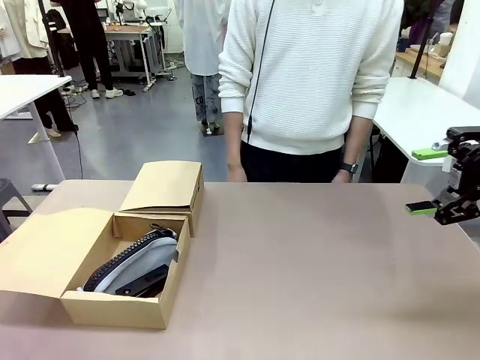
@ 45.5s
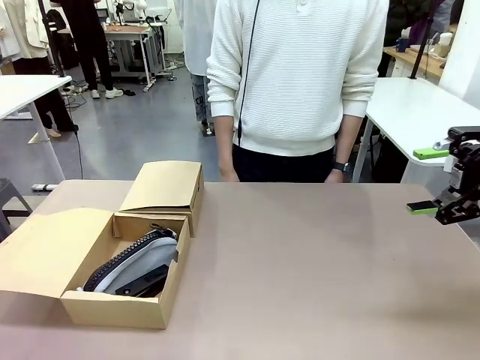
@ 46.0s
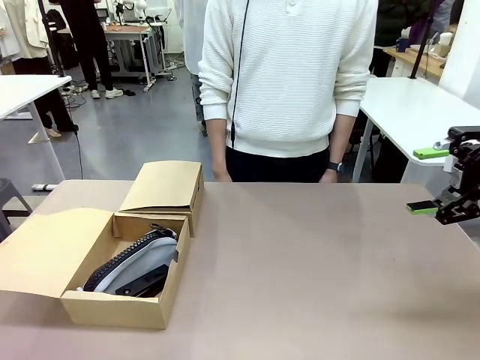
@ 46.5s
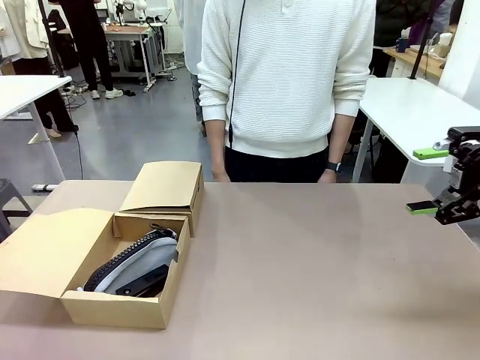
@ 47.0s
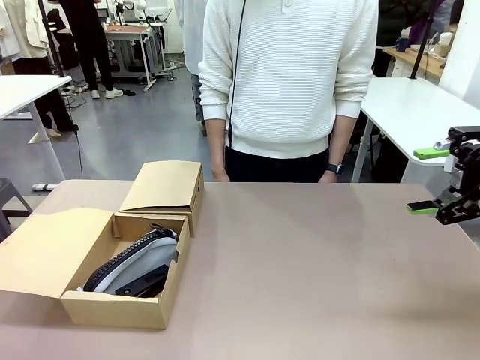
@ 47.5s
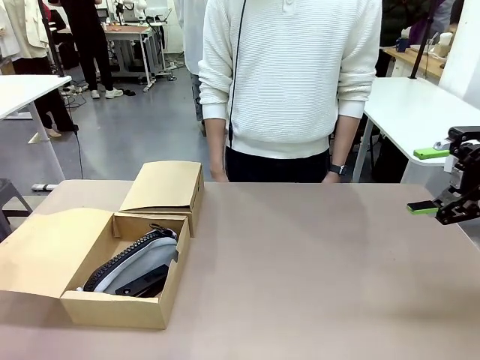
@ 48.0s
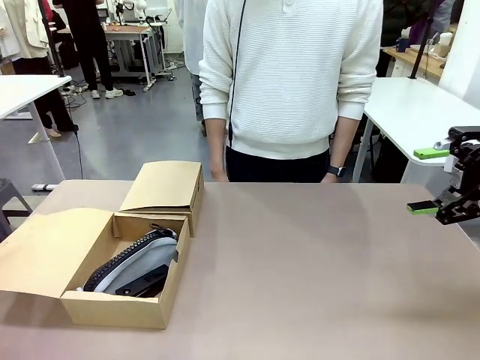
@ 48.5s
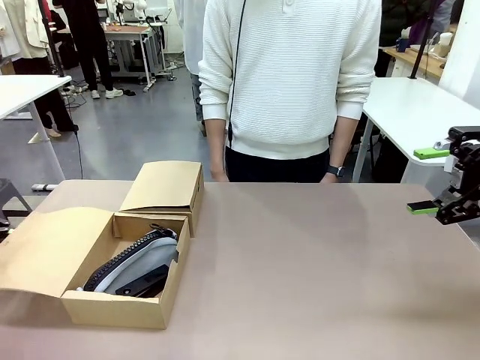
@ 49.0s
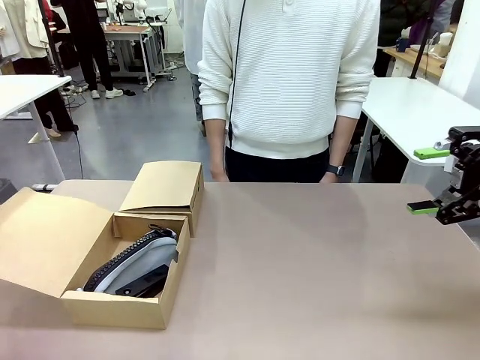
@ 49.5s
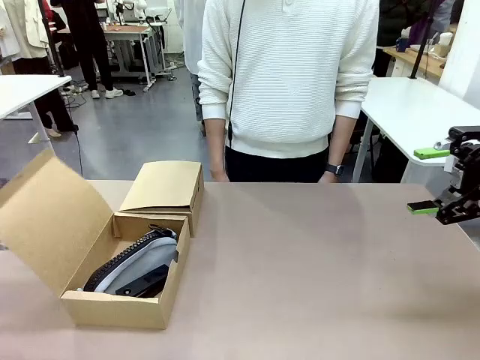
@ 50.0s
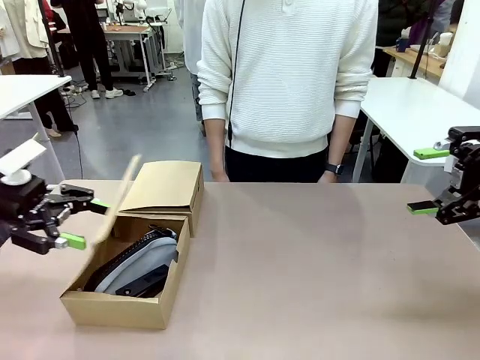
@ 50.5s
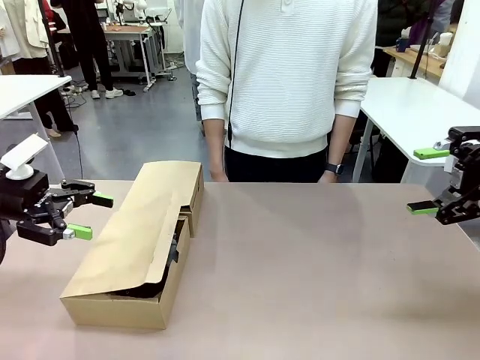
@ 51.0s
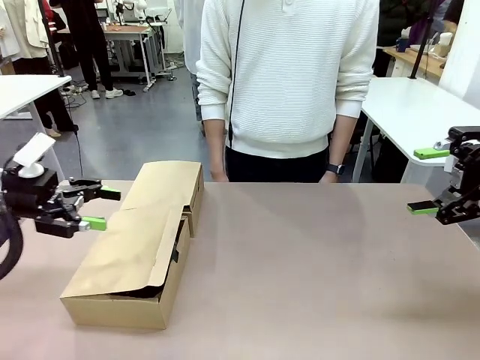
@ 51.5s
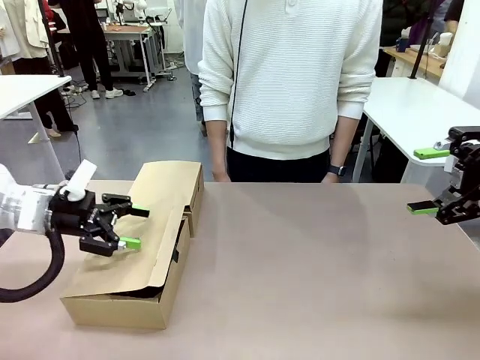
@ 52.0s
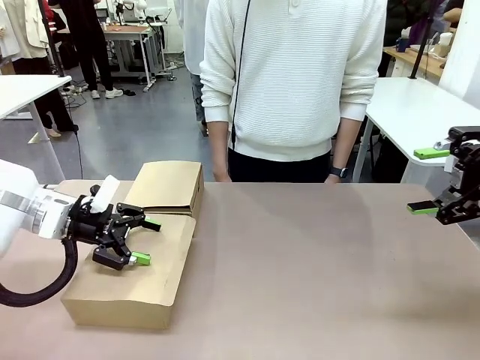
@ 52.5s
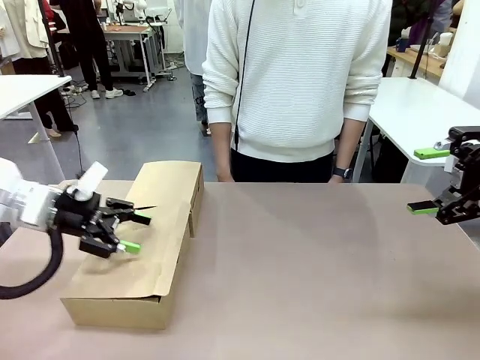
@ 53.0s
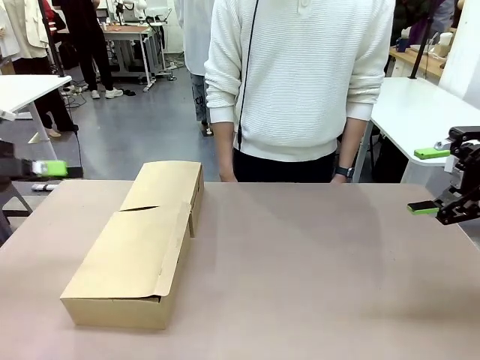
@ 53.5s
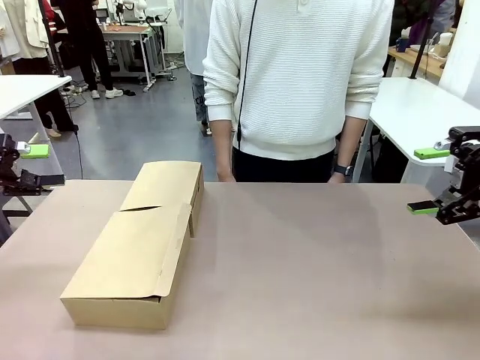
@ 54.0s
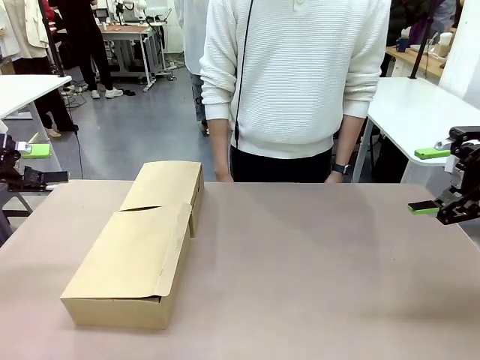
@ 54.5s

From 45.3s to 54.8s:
Task: Place items inside the box.
Robot: Close the lid of the Mailer Box closest to the robot.

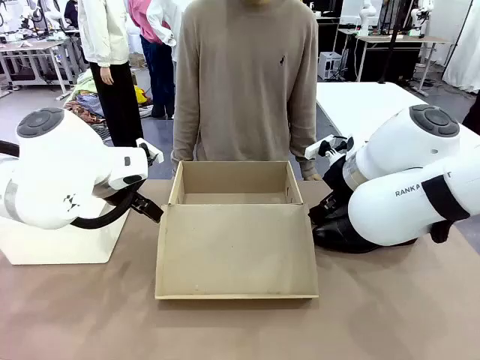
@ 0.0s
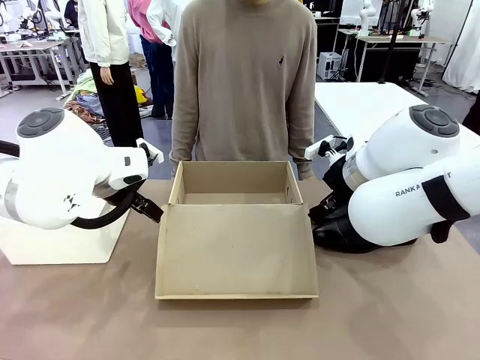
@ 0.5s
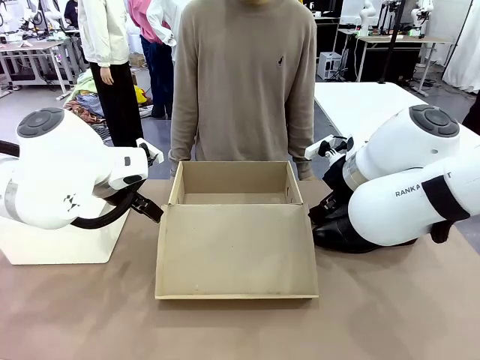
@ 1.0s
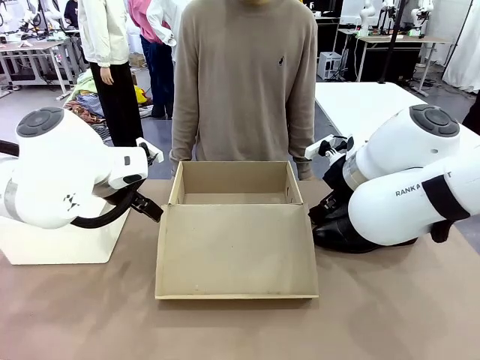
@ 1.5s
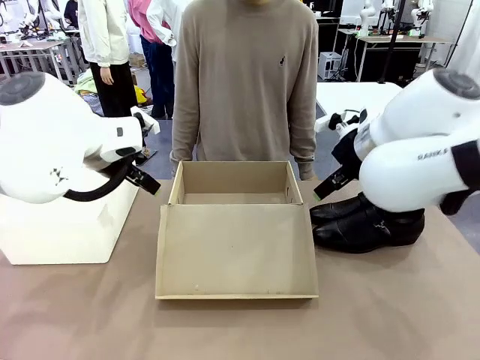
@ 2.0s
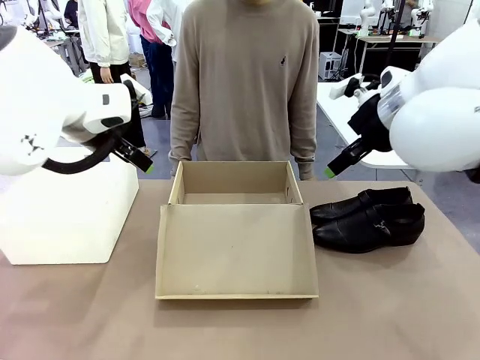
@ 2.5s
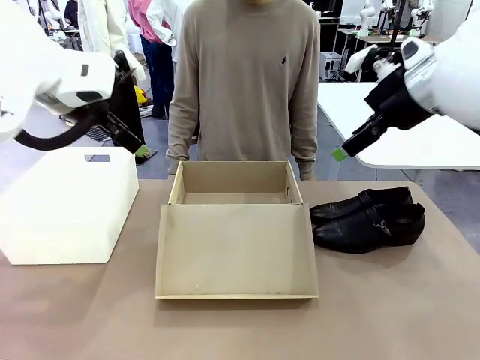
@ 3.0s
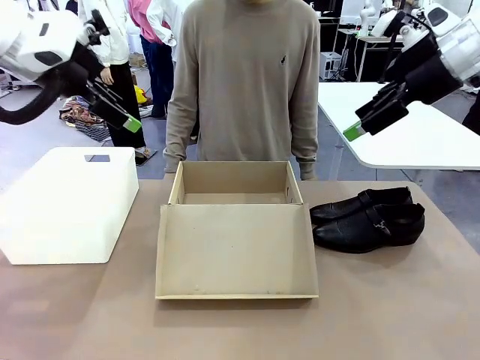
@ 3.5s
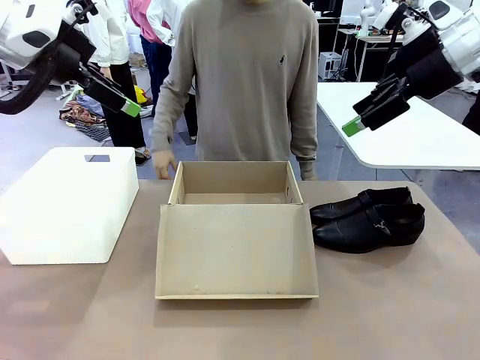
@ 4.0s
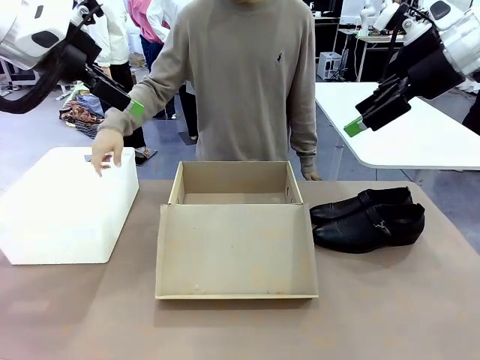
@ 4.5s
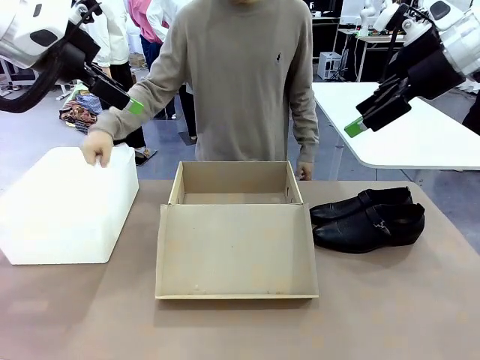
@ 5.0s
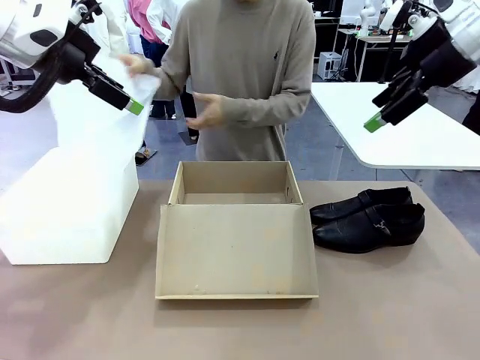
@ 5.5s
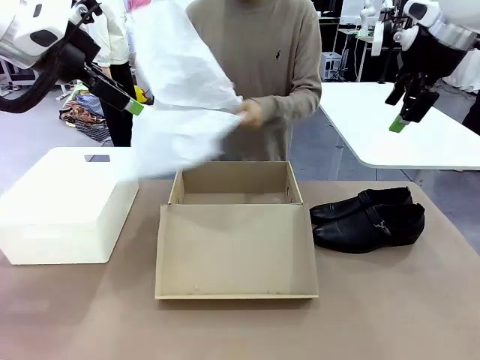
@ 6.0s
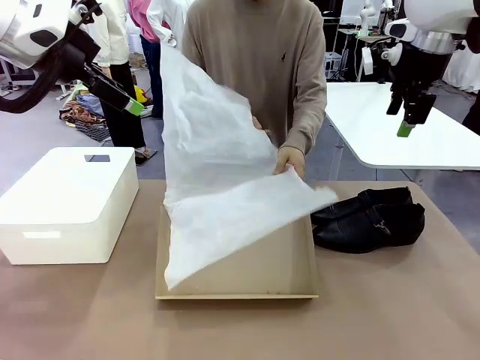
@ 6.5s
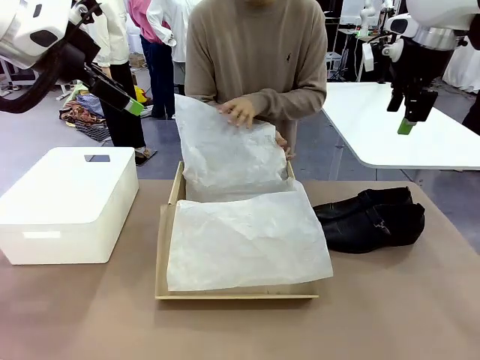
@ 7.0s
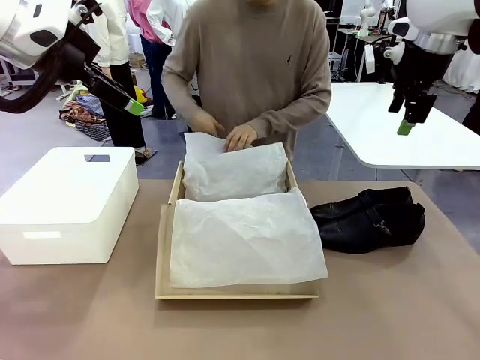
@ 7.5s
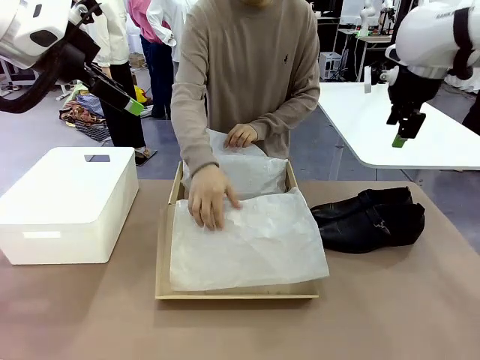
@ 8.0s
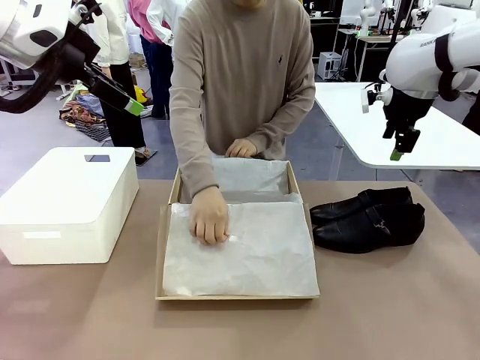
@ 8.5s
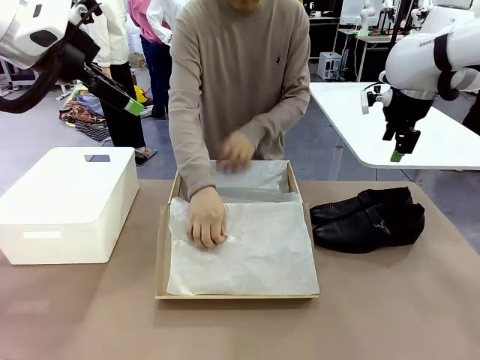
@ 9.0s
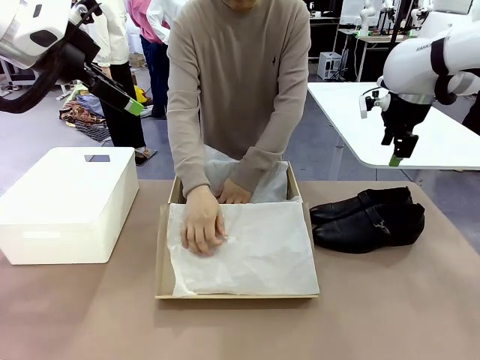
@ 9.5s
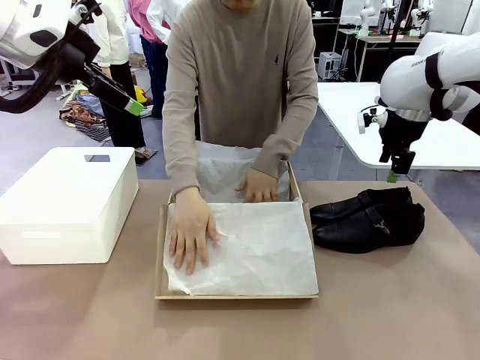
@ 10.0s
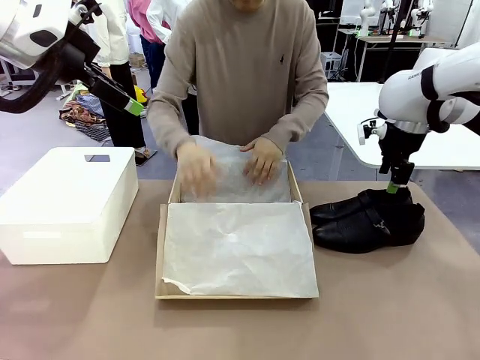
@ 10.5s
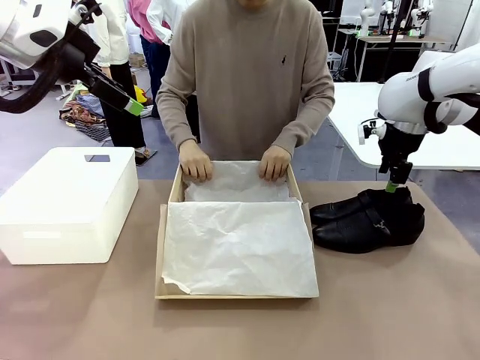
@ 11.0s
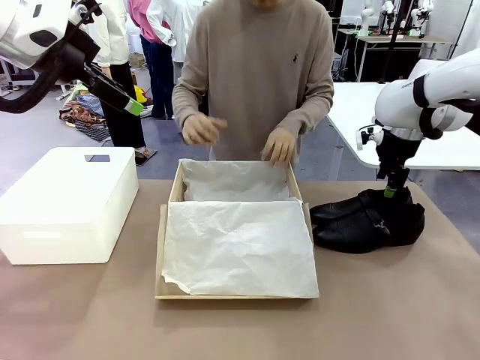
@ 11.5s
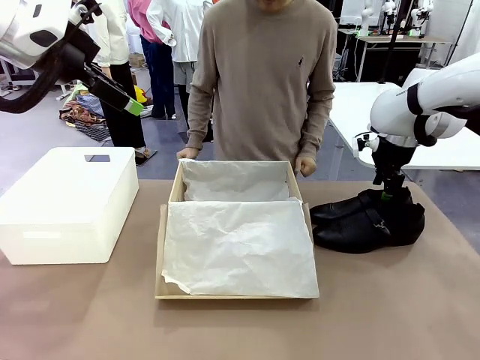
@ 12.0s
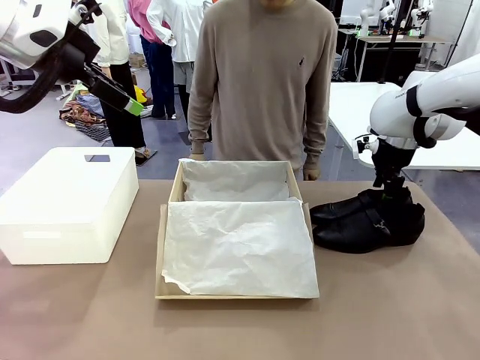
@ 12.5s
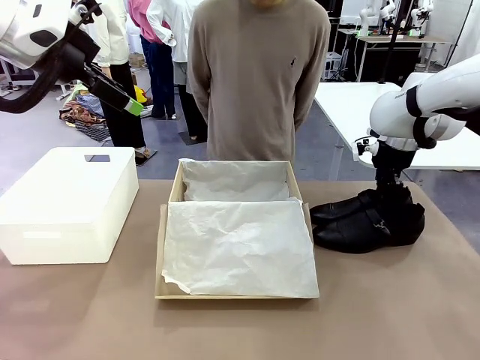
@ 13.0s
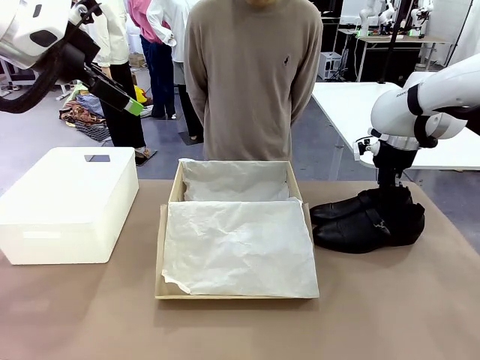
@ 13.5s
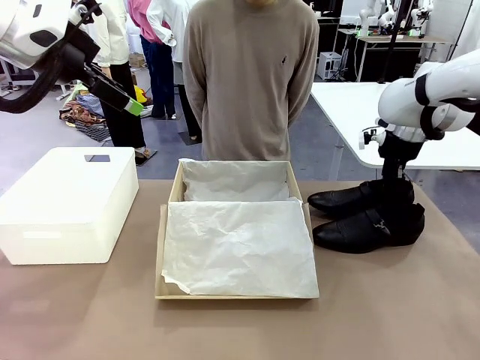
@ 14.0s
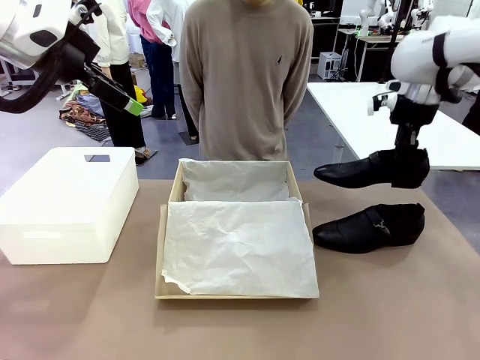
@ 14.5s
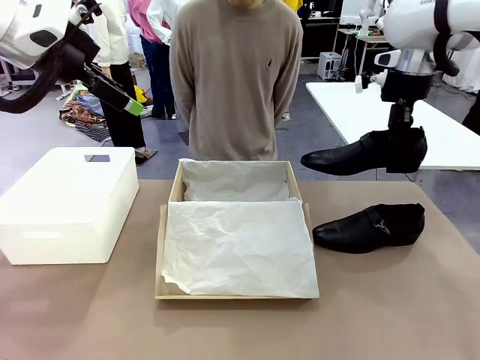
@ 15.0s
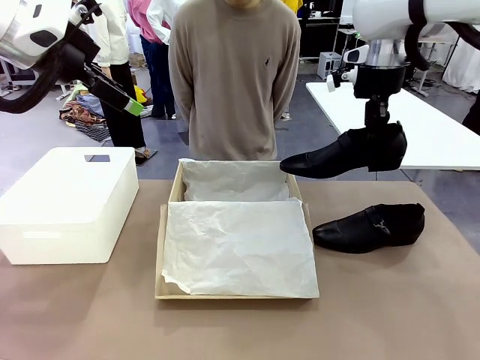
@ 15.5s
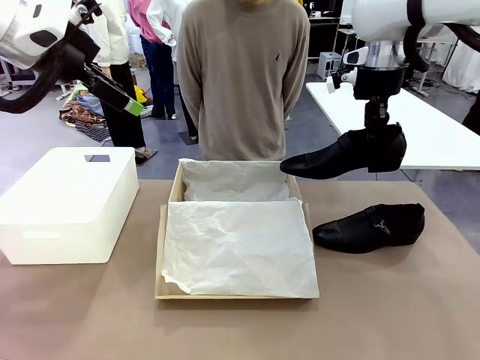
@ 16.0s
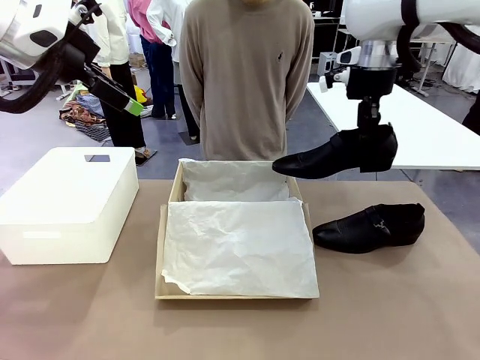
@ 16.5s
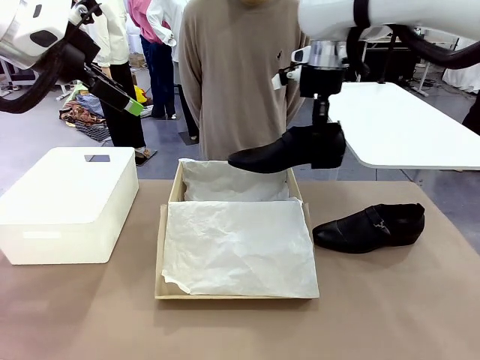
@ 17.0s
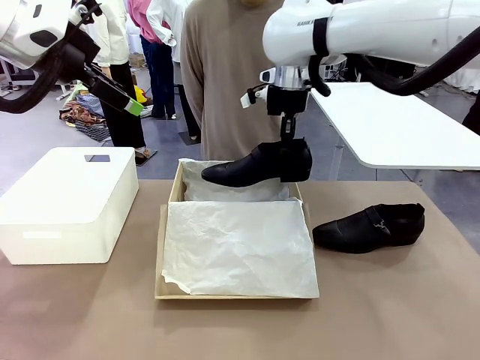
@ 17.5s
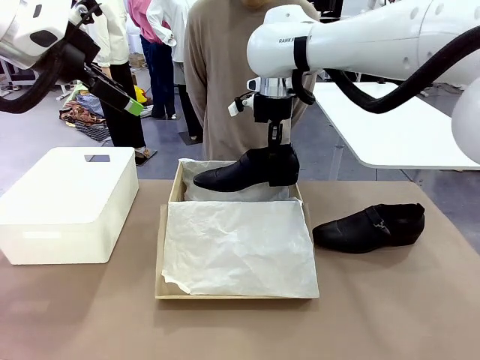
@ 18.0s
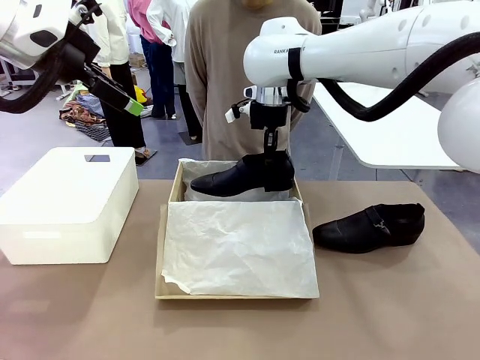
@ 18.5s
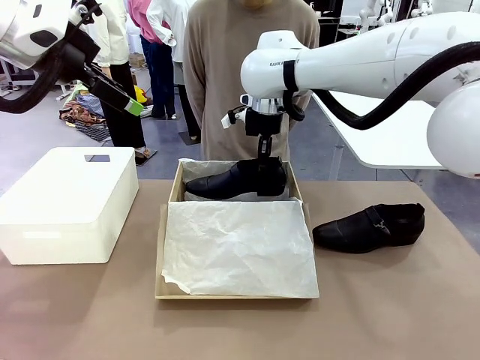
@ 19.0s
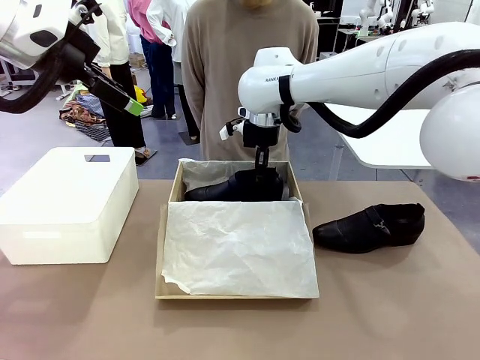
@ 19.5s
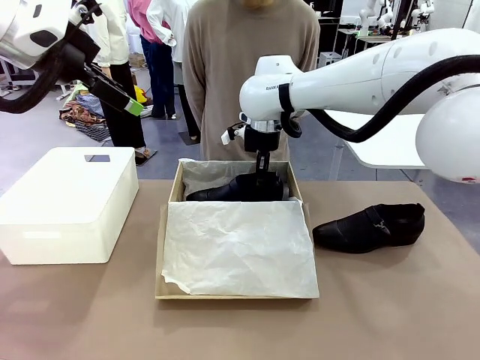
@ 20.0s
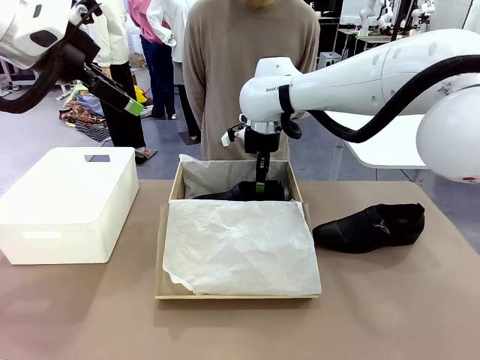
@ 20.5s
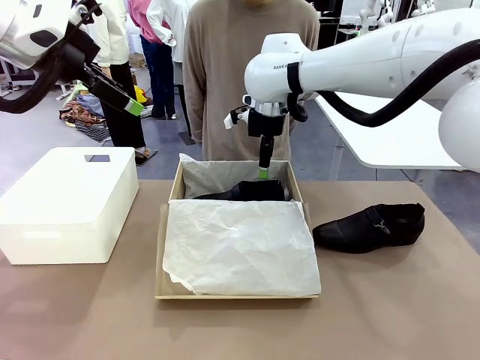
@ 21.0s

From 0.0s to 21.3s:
Task: Pack the shoes into the box.
Robot: Place one shoe of the Shoes into the Shoes Box.
Person: Spread Shoes Wrapping Paper and place inside the Shoes Box.
